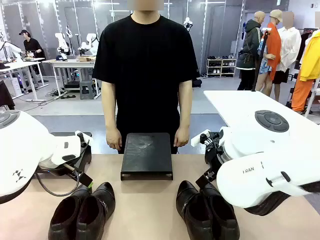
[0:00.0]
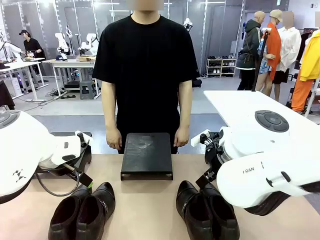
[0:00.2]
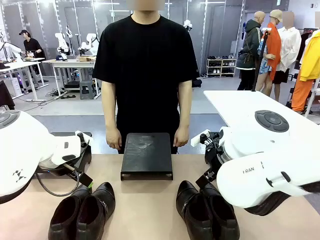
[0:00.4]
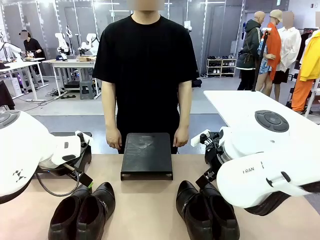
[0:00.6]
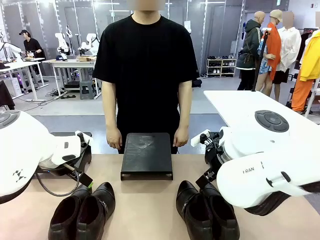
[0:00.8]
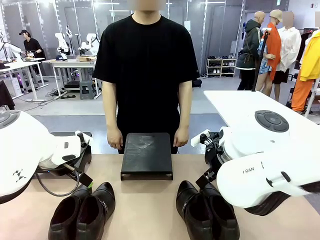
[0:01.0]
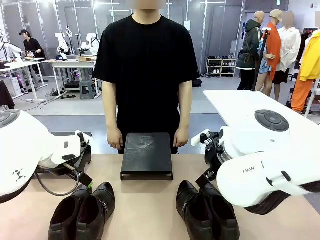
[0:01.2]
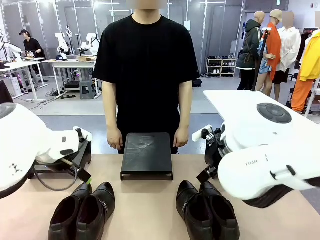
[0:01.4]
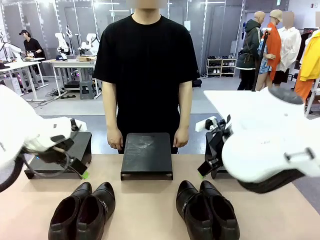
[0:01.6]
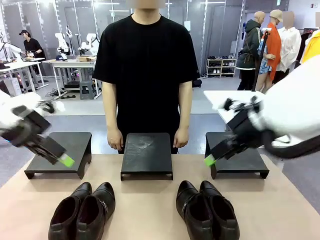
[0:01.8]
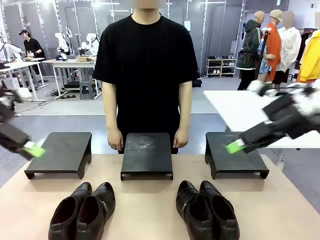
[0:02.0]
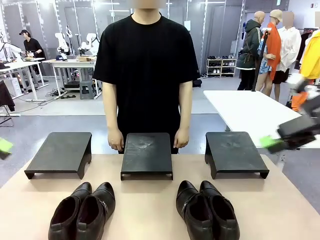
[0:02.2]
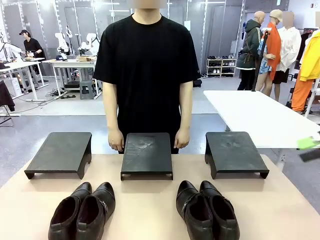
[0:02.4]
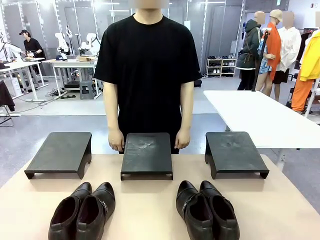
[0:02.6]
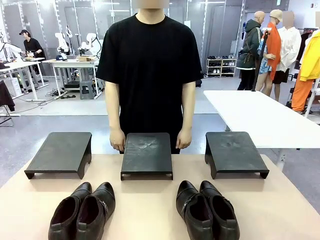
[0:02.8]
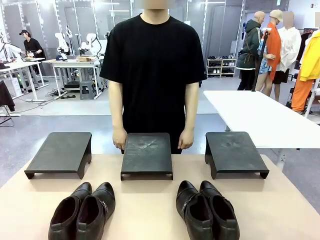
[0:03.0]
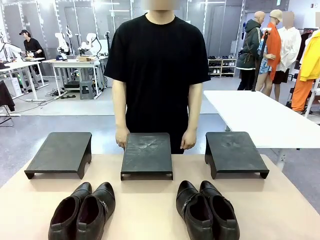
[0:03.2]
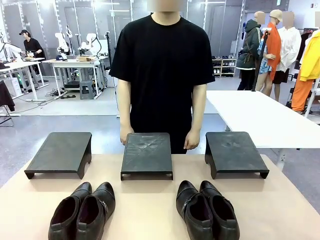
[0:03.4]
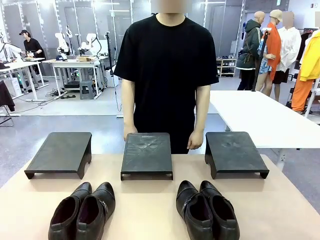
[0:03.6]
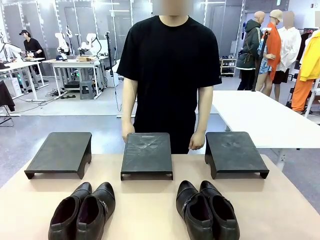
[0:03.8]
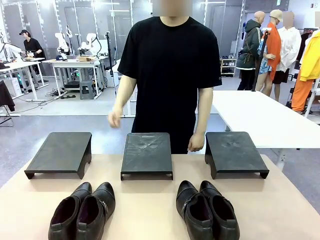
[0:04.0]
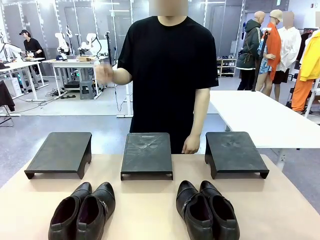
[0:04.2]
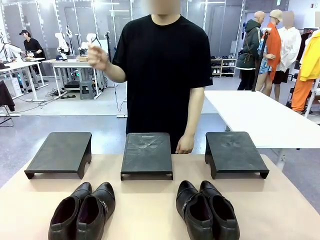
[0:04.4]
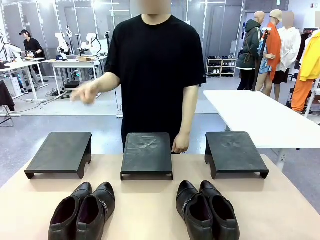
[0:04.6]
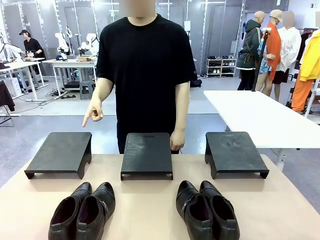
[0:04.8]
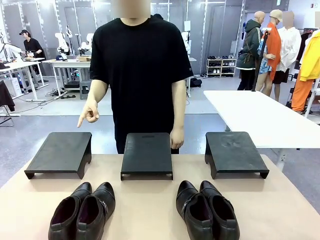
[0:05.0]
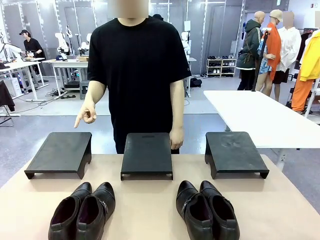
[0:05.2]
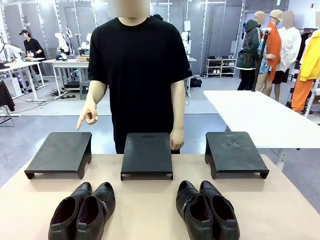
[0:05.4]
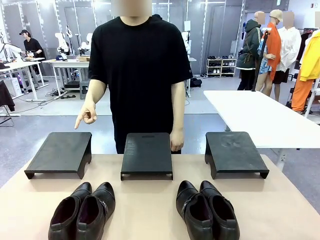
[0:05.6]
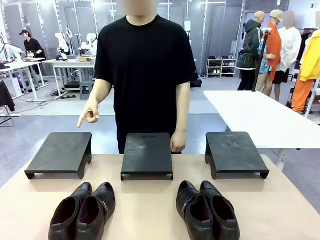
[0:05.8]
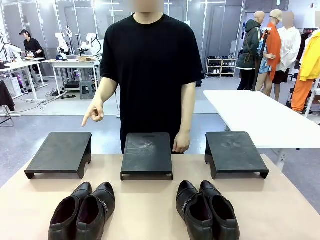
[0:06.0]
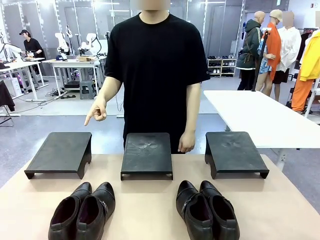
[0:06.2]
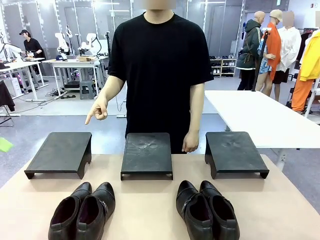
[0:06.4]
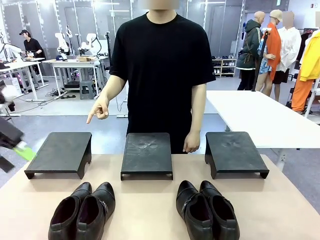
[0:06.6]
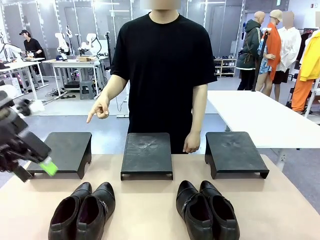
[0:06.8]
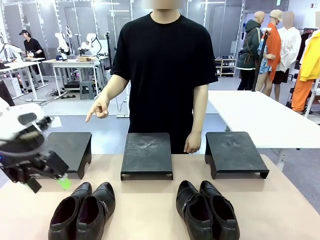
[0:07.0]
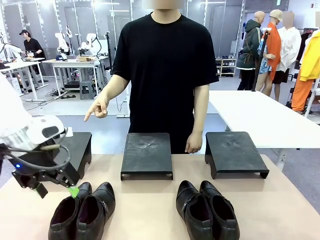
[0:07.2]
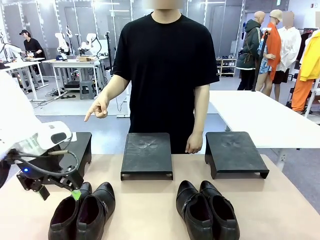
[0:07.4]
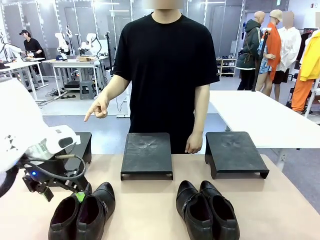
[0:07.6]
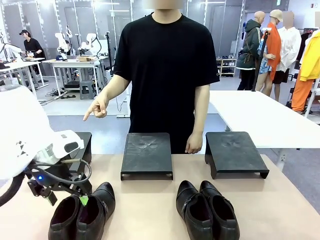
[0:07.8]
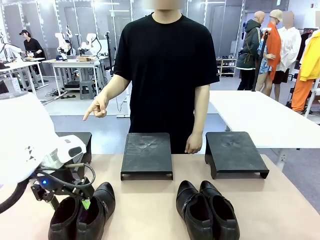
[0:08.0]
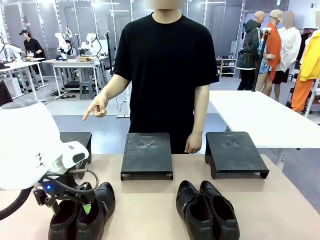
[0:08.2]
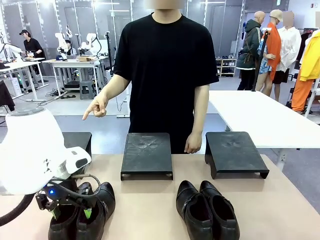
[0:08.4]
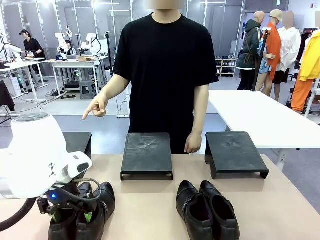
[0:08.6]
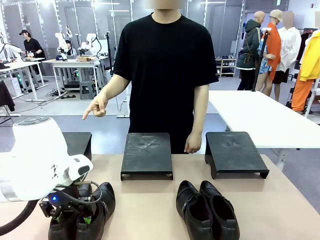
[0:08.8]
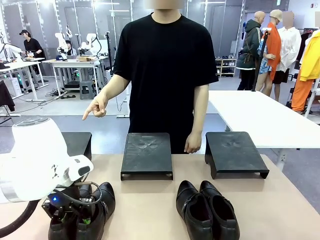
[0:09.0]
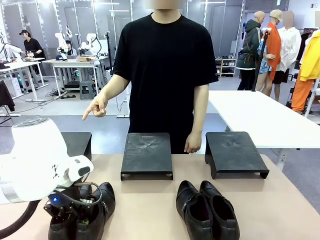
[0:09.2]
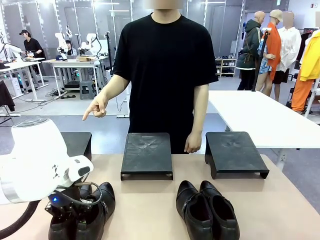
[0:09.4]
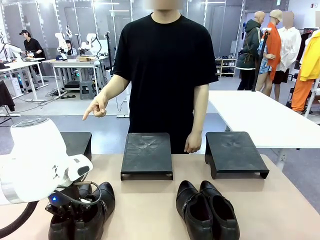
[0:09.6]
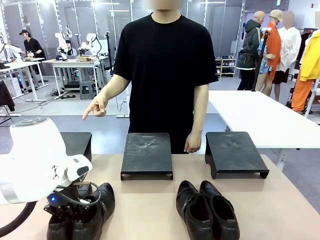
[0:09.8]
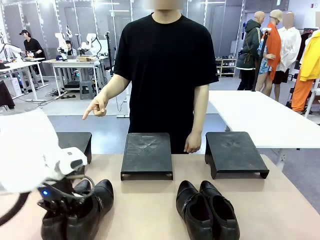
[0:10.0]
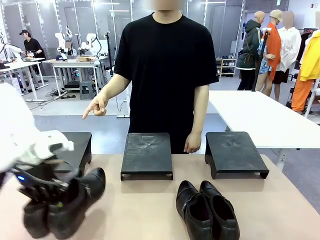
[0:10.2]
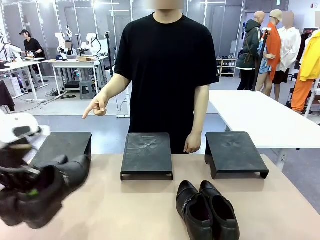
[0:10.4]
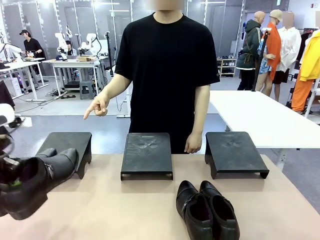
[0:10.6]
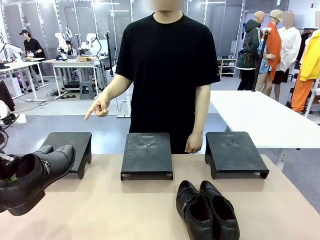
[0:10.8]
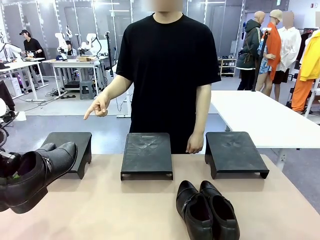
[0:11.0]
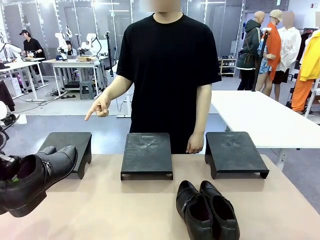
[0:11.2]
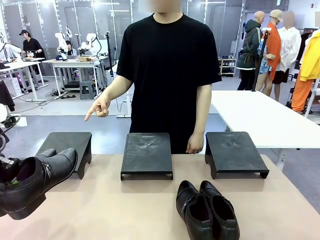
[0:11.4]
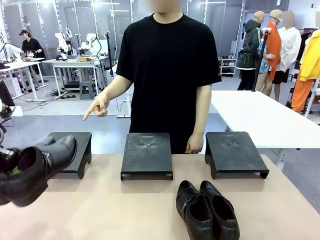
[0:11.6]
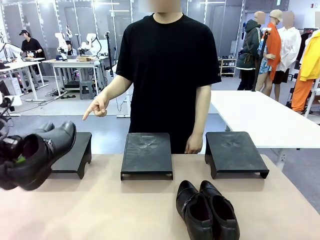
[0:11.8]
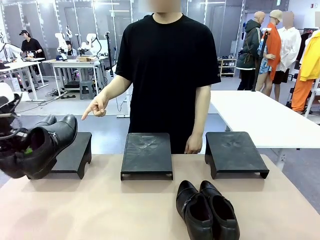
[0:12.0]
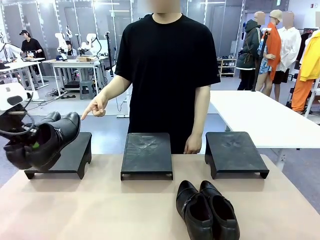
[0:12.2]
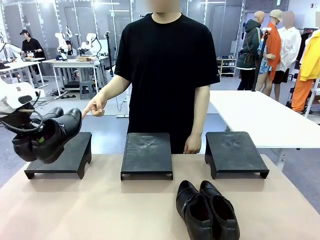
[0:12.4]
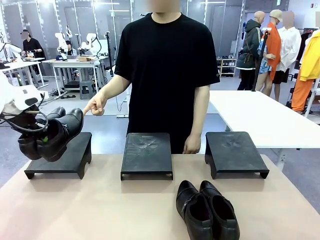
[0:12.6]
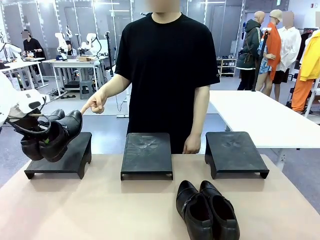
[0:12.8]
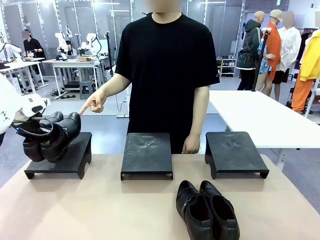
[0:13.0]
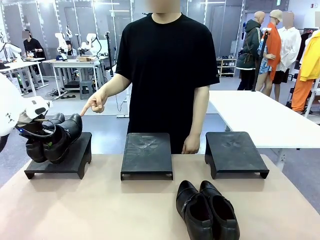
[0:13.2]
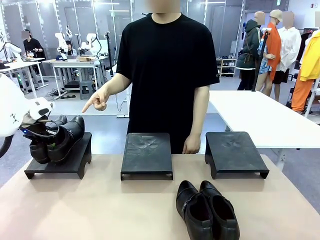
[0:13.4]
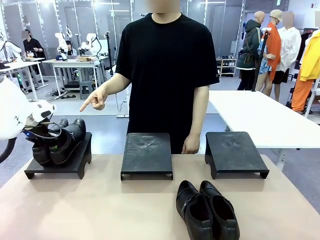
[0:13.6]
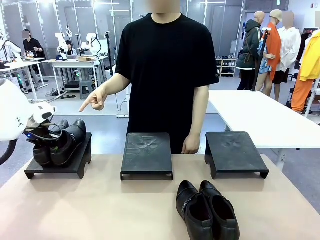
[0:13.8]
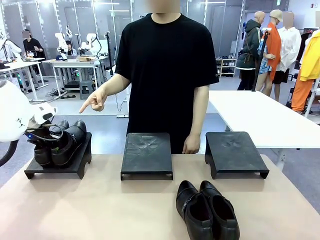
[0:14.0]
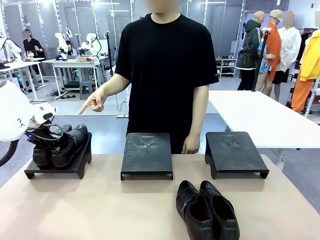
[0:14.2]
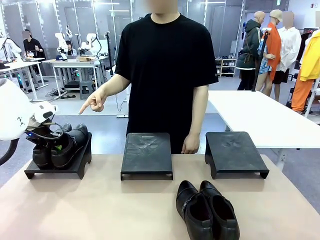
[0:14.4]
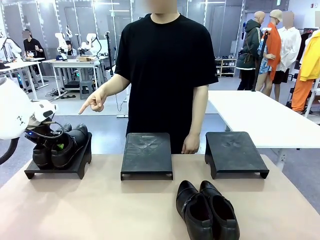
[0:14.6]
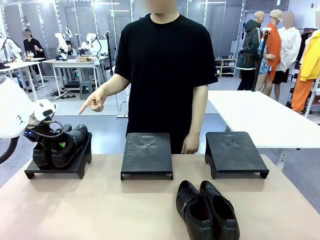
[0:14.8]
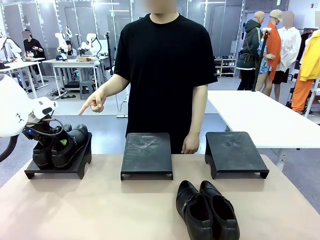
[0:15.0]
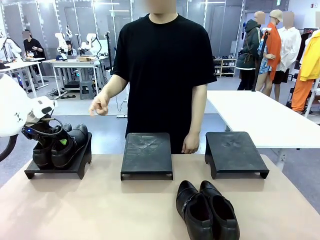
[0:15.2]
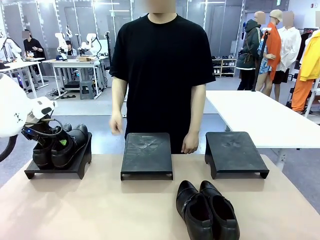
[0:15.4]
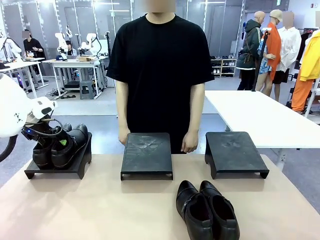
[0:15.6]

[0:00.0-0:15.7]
Task: Place the shoes on the stand as instructed by the person.
Robot: Pick up one pair of Shoes and place it on the Shoes Stand indicated by the person.

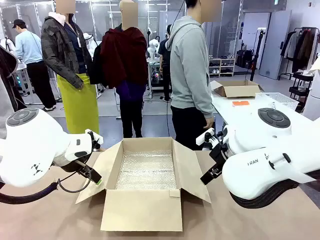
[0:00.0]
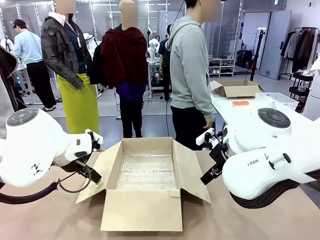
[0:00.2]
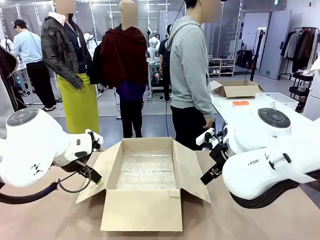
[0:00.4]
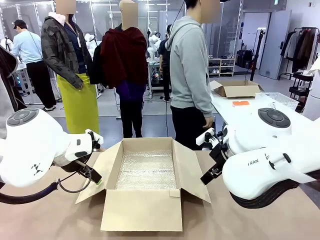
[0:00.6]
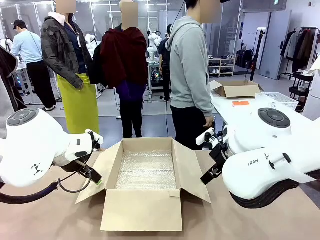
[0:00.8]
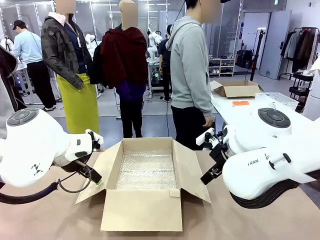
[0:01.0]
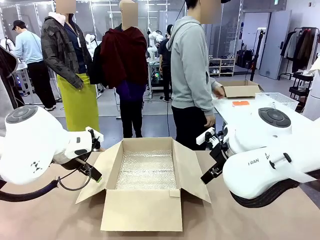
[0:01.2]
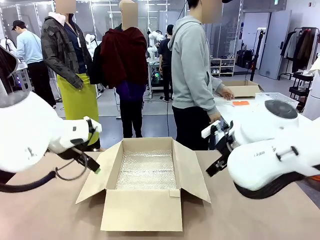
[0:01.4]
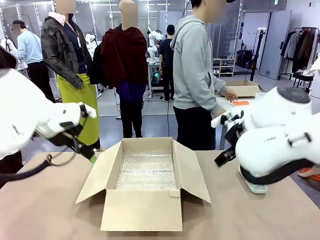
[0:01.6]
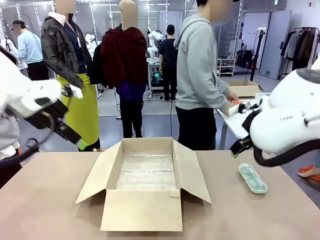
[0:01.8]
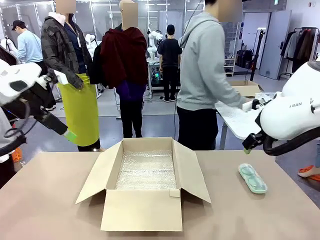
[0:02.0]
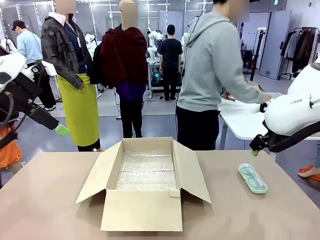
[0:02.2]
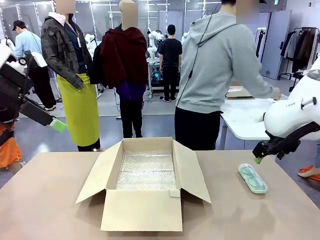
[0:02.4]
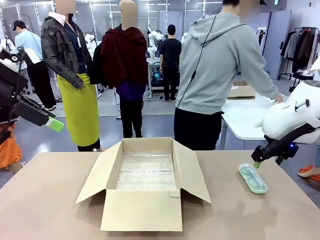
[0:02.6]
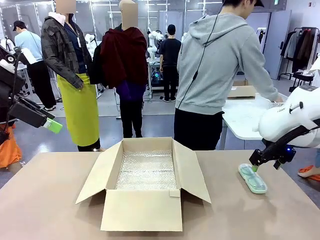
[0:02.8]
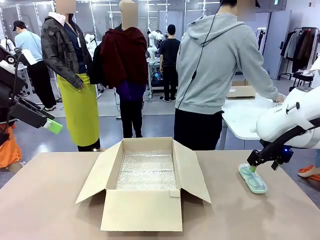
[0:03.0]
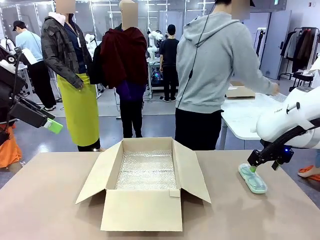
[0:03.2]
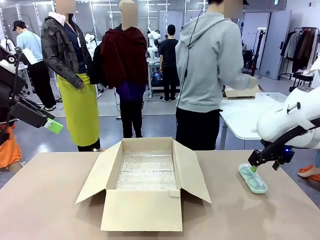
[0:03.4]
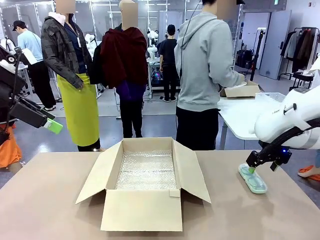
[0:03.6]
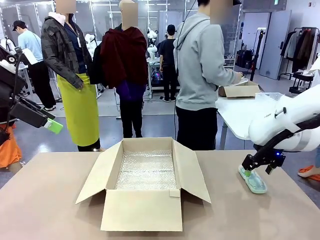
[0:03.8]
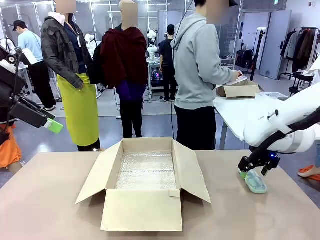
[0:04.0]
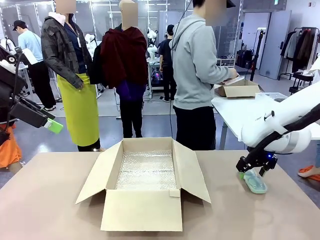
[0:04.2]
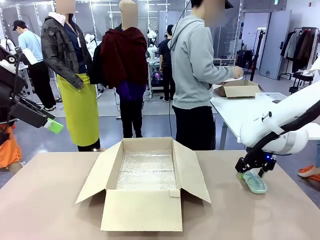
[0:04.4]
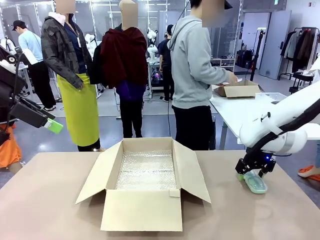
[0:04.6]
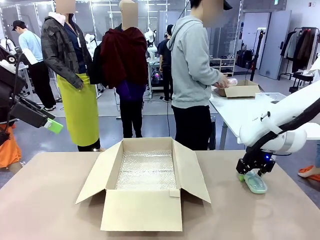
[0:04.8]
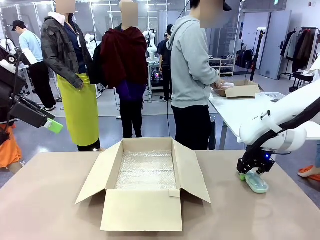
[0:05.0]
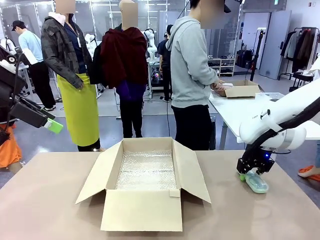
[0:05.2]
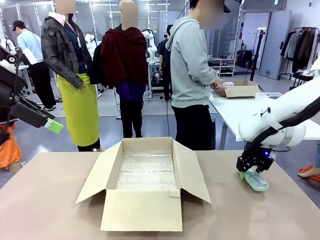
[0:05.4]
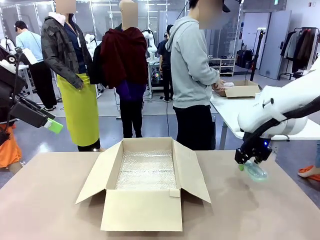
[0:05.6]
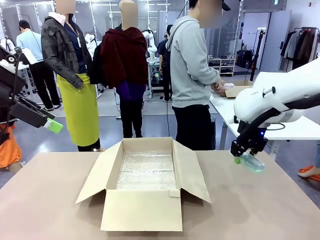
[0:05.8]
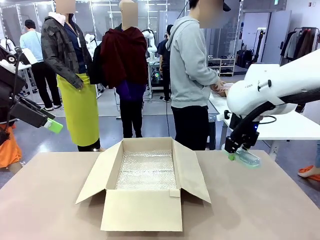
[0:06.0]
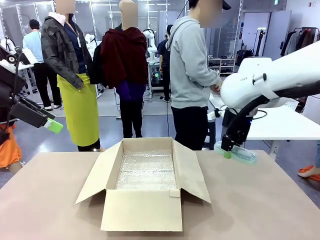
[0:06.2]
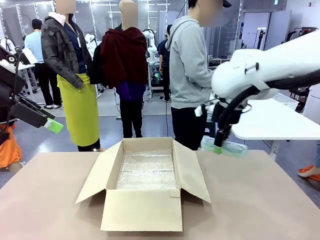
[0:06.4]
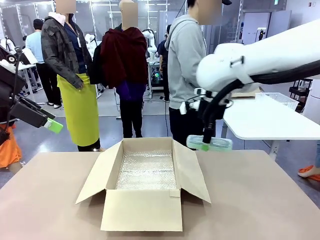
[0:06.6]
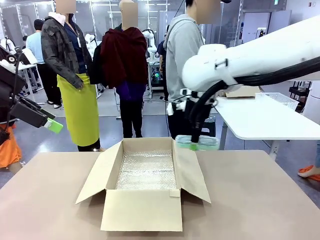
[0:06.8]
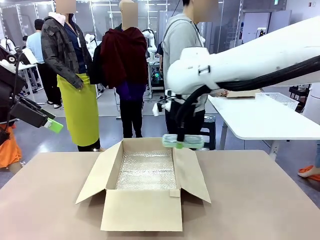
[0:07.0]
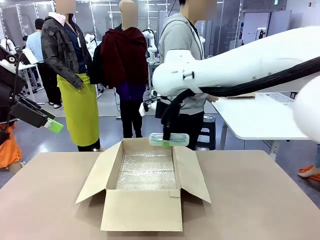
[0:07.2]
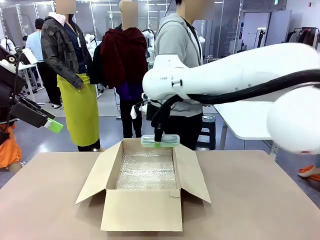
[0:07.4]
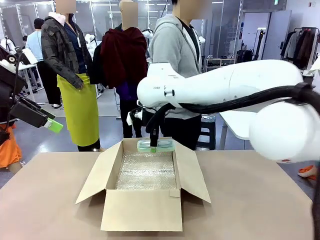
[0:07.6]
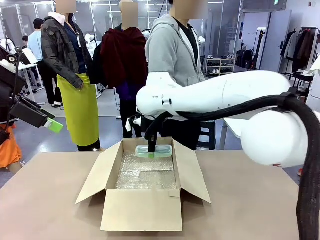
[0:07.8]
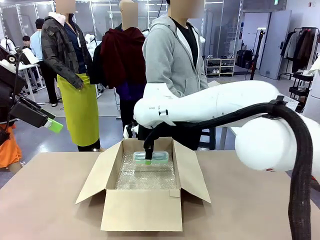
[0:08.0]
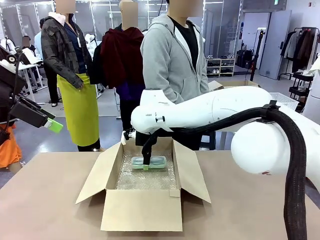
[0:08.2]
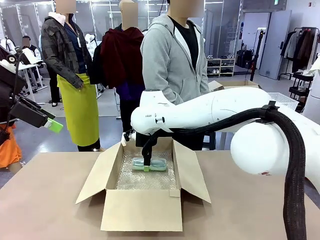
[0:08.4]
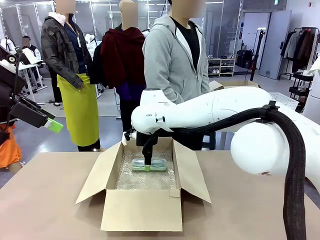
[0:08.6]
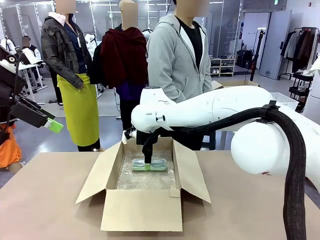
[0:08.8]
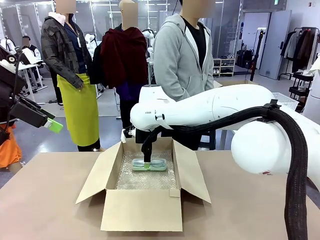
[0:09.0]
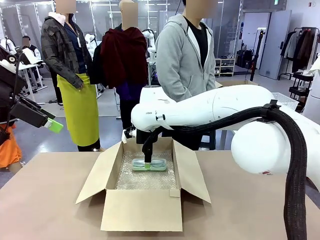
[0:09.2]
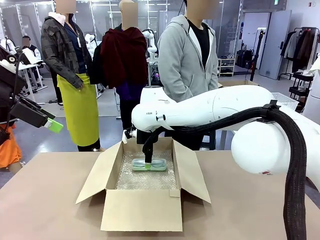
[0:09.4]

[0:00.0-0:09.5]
Task: Pack the glasses set securely to prepare it for shipping.
Robot: Place the Glasses case inside the Package Box.
Person: Place the Glasses inside the Glasses case.
